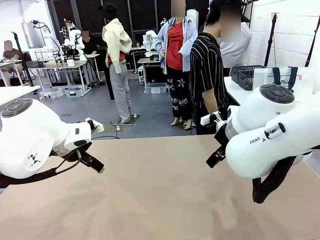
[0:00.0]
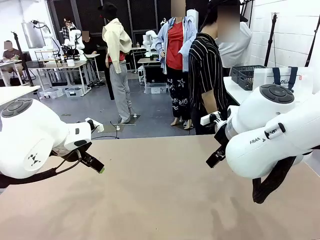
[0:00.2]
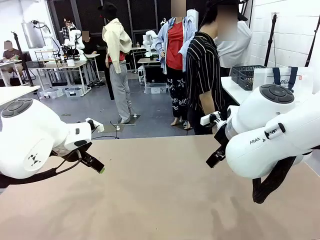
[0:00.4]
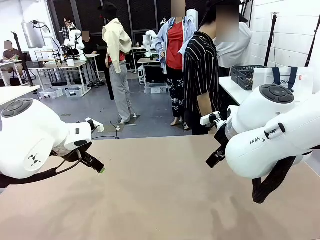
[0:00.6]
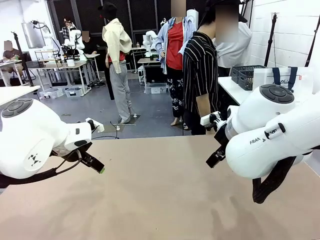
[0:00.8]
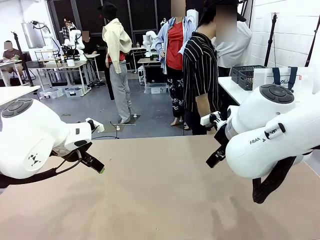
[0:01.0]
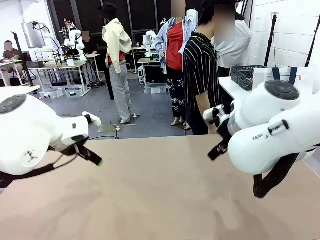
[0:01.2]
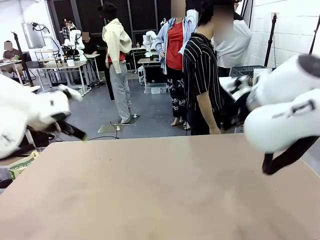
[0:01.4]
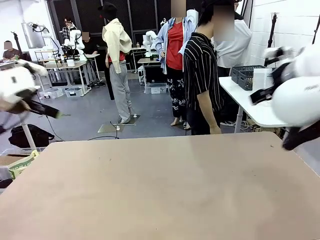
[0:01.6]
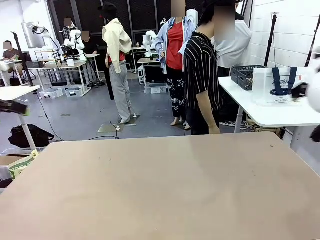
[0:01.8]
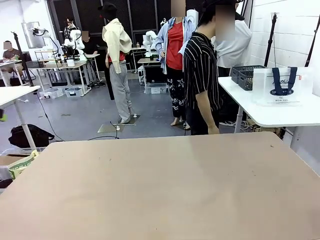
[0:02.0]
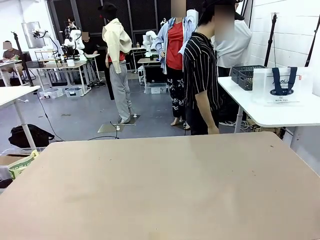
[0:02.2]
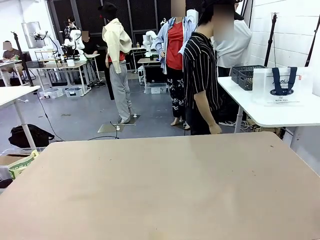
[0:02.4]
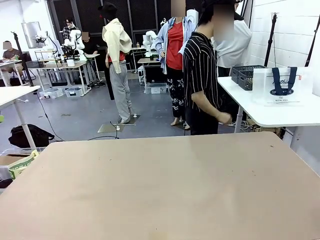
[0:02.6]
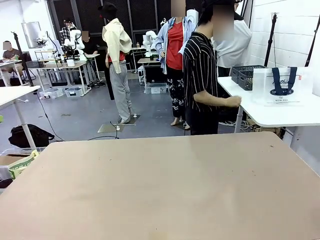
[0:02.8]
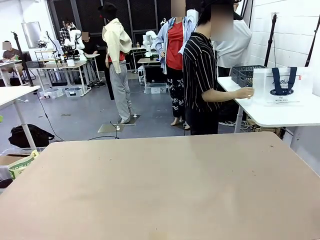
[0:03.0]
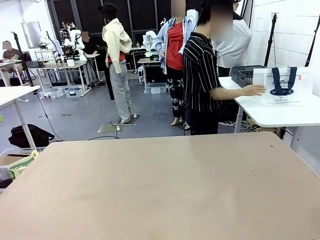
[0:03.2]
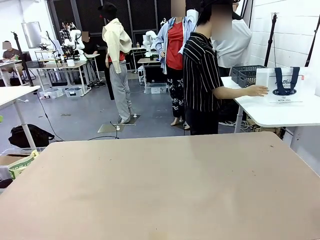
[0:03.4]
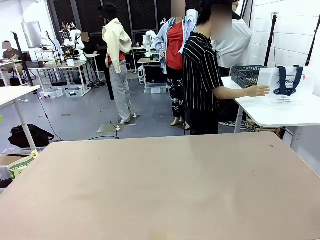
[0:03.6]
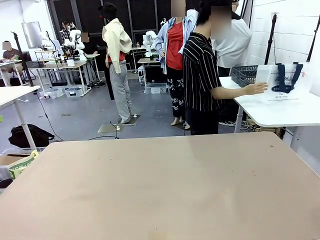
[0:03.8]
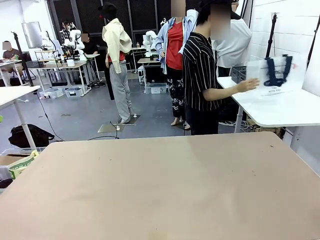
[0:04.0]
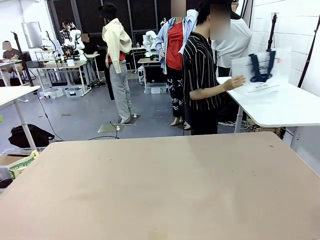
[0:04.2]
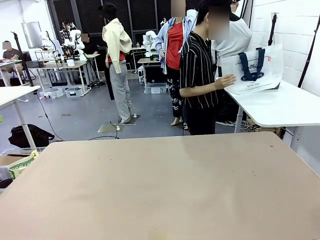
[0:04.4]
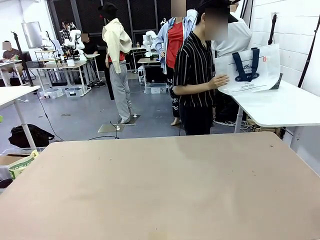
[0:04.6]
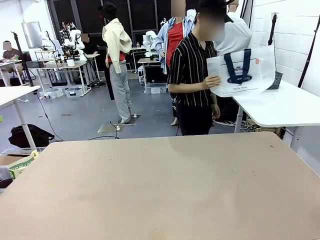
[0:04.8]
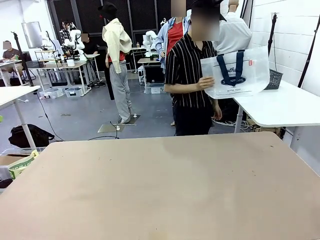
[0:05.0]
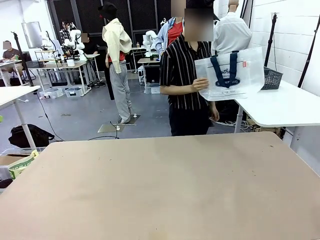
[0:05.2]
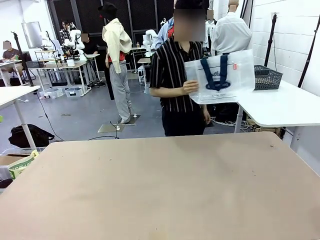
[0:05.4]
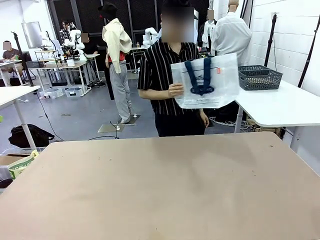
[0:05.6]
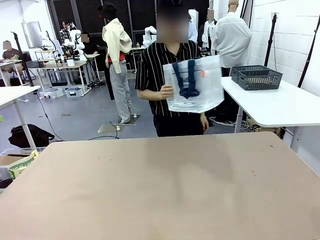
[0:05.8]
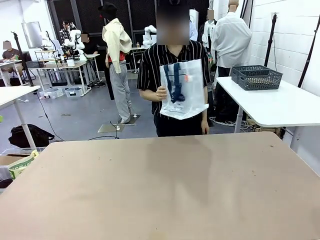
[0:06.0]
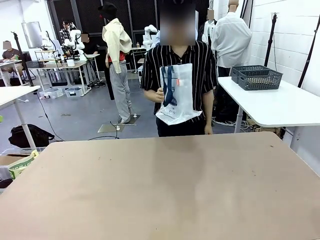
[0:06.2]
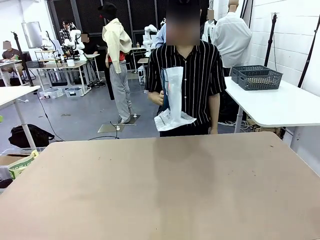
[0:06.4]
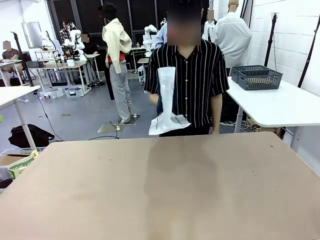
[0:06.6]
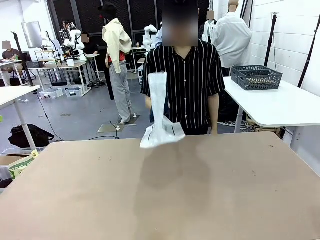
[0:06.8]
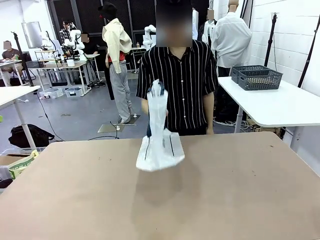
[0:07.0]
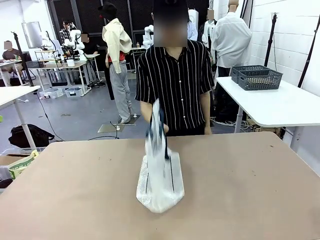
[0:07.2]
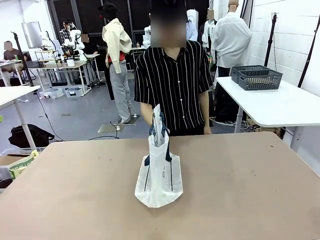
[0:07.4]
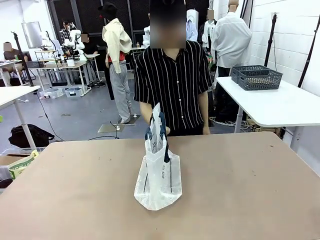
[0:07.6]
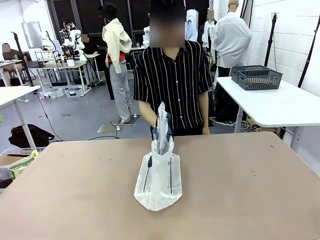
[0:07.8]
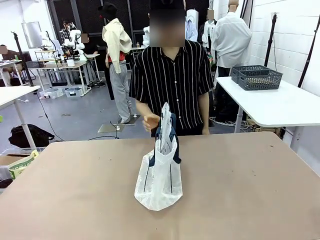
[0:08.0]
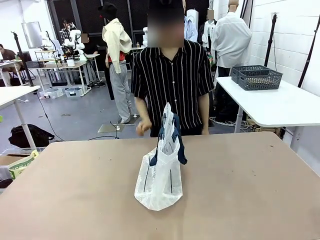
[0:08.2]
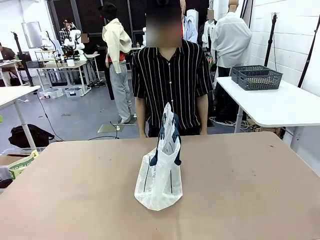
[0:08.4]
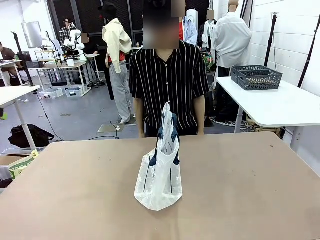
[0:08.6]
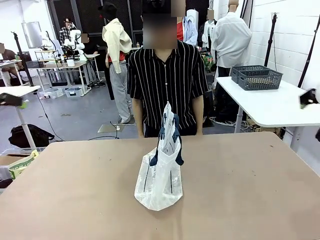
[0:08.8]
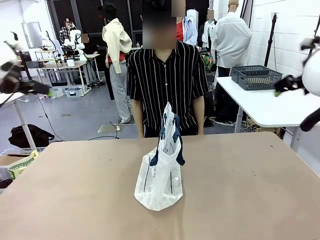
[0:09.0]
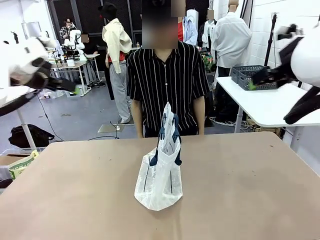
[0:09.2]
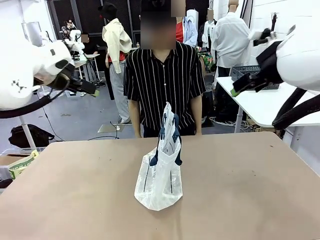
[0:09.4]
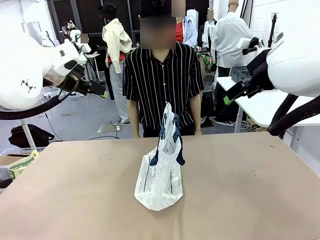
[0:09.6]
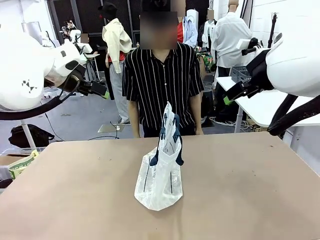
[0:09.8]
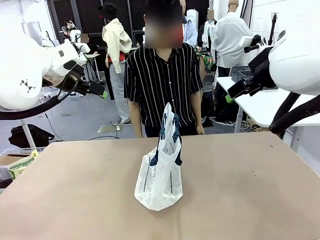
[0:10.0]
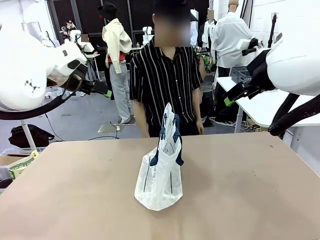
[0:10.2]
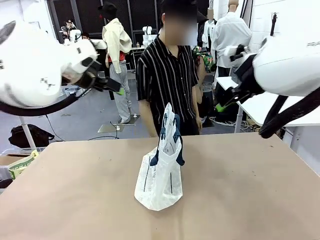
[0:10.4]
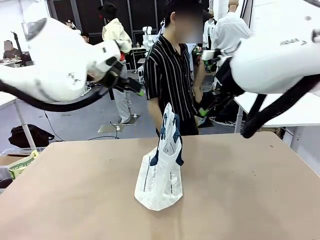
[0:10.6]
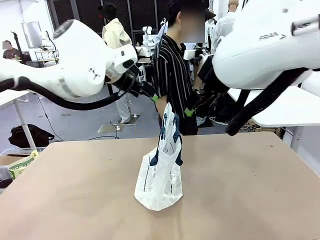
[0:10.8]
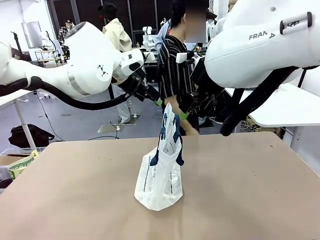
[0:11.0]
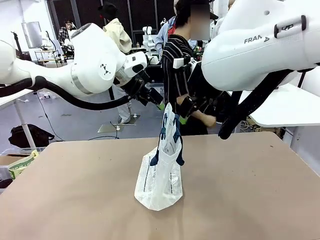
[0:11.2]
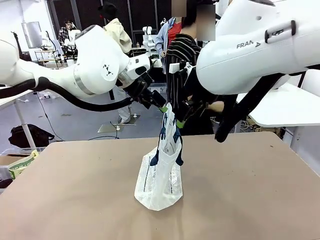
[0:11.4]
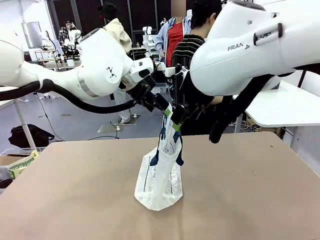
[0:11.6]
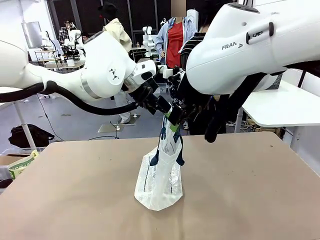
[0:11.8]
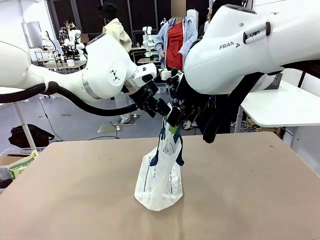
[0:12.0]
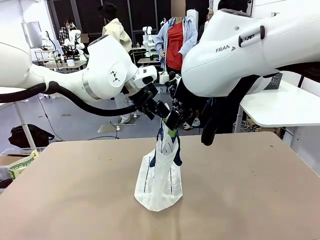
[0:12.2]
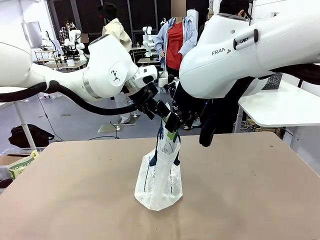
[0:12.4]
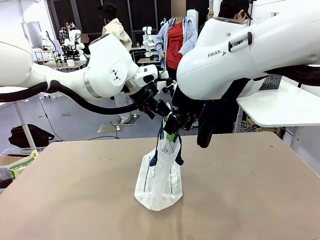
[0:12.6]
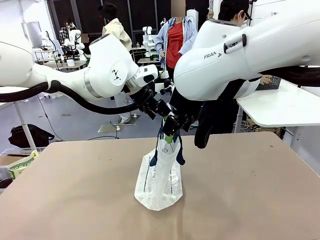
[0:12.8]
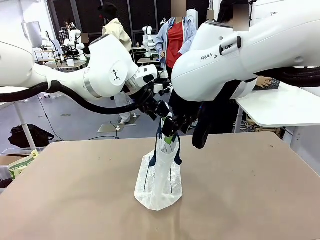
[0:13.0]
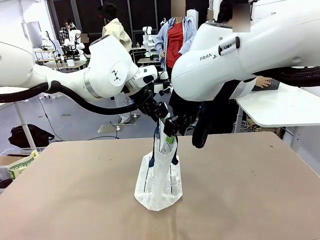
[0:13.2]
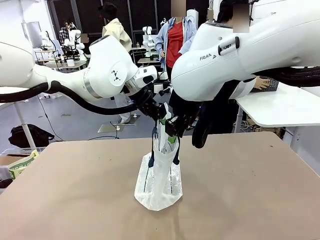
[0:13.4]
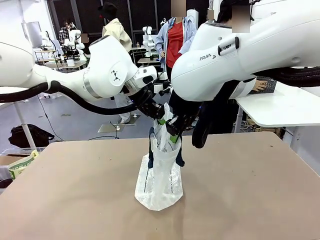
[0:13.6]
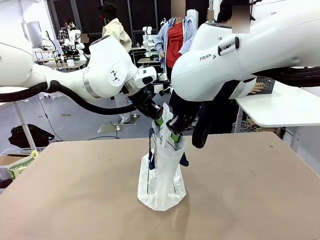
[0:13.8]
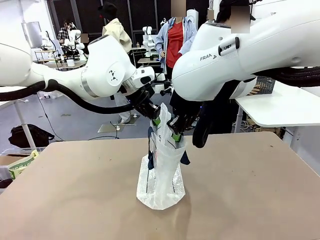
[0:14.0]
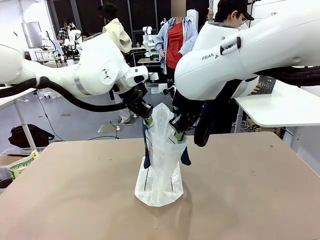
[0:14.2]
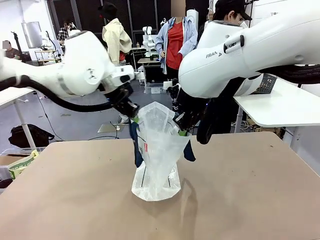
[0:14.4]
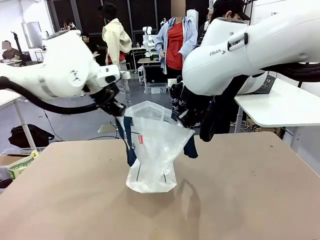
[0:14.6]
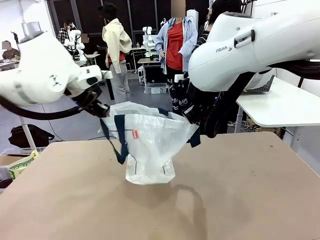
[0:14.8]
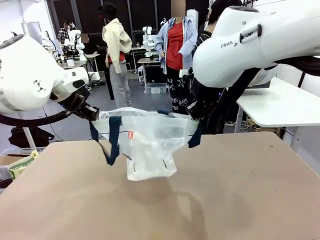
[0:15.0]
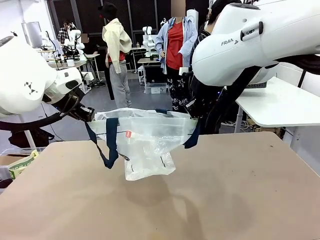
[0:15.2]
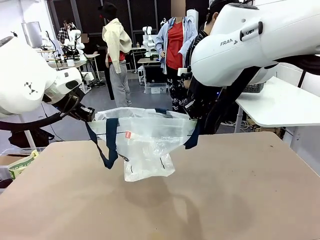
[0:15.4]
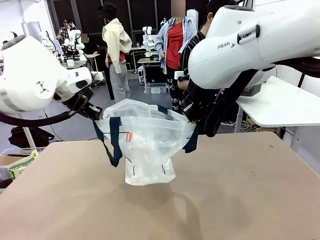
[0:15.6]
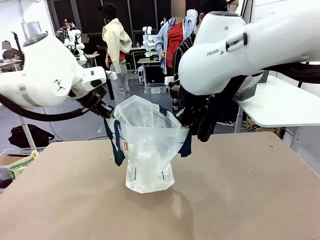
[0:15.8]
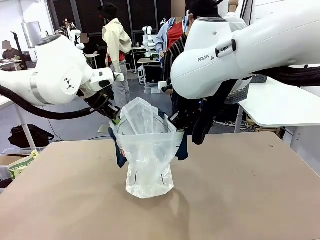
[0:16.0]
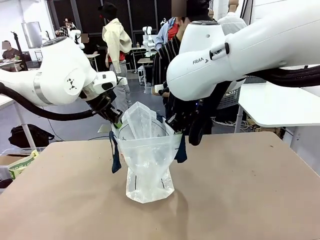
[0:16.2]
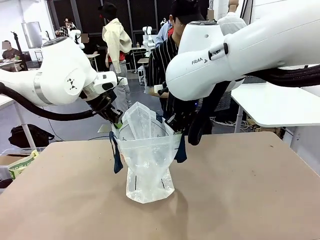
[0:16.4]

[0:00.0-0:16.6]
Task: Transfer purchased items from the store into the shopping bag.
Robot: Open the Reusable shopping bag in the center of the table.
Person: Pick up the shopping bag and place it in the middle of the robot table. Pick up the basket on the right, place it on the left side of the robot table, and move the items in the basket to the shopping bag.
